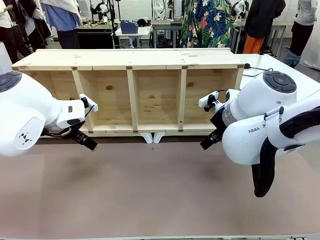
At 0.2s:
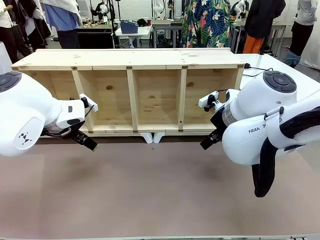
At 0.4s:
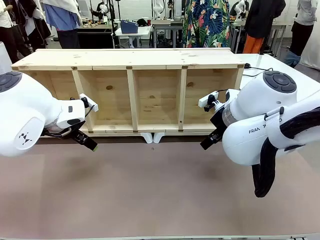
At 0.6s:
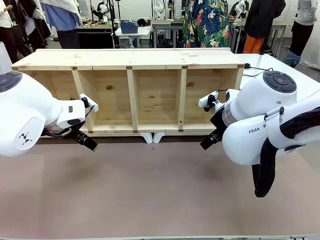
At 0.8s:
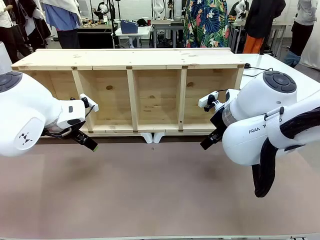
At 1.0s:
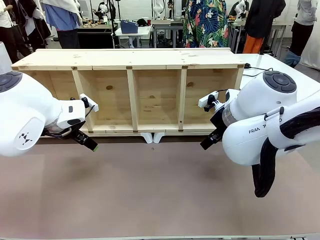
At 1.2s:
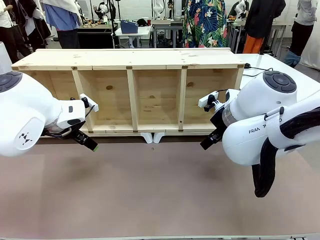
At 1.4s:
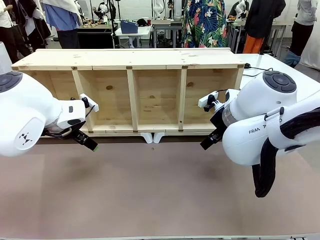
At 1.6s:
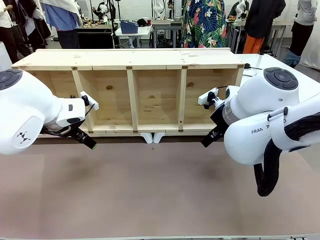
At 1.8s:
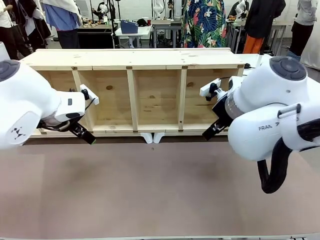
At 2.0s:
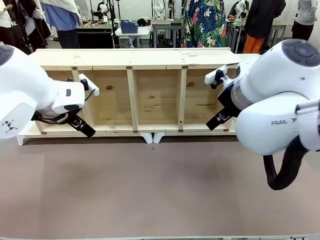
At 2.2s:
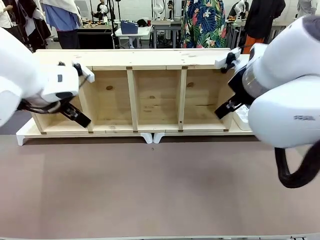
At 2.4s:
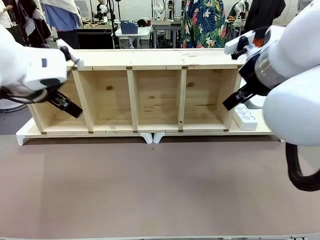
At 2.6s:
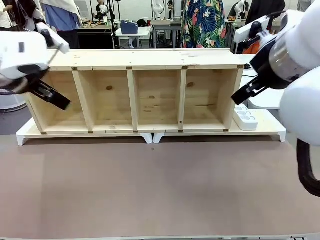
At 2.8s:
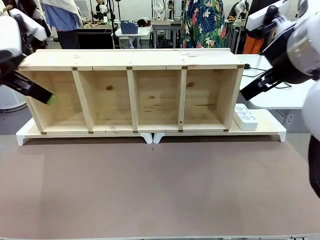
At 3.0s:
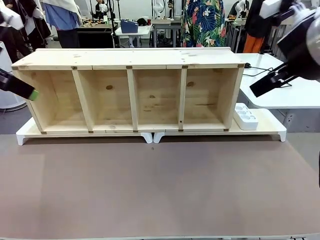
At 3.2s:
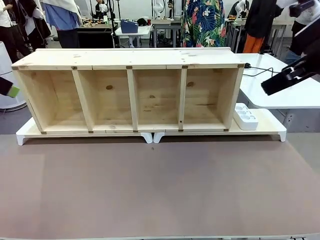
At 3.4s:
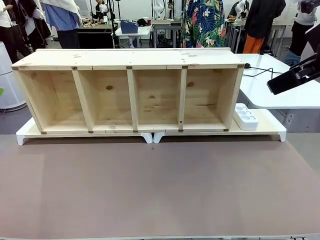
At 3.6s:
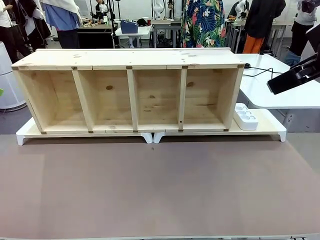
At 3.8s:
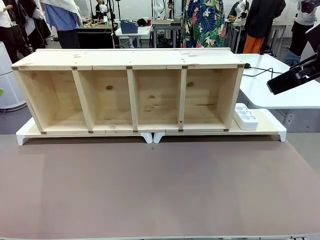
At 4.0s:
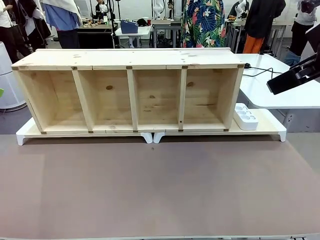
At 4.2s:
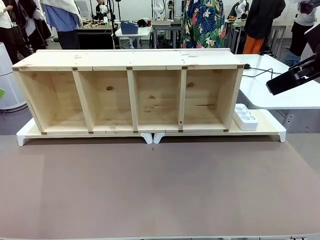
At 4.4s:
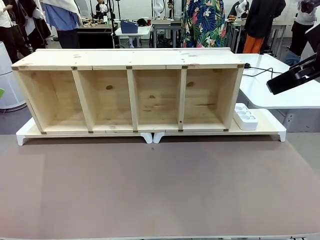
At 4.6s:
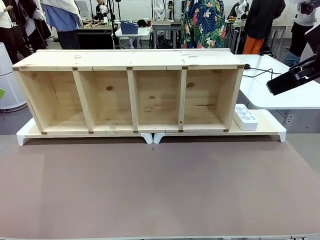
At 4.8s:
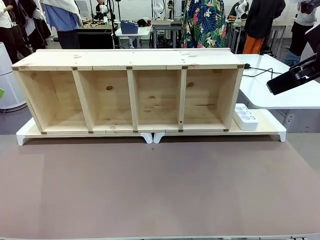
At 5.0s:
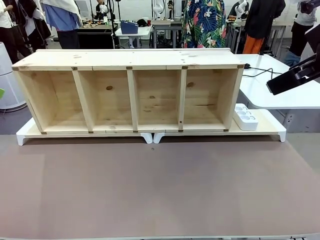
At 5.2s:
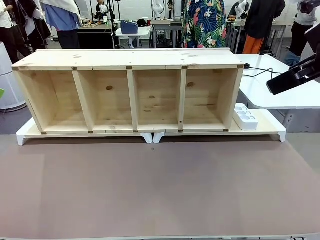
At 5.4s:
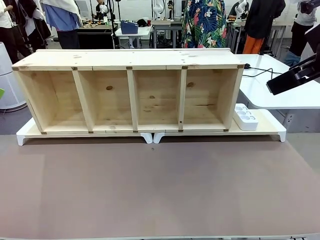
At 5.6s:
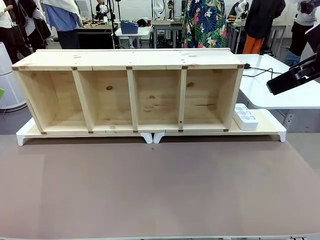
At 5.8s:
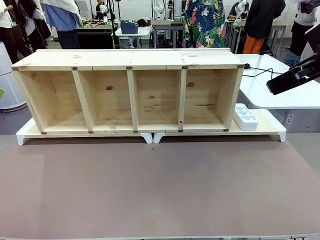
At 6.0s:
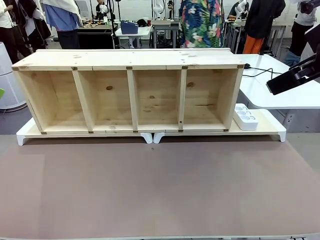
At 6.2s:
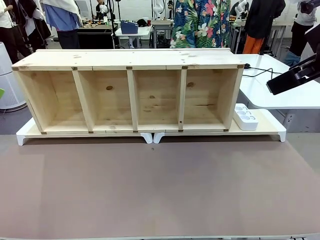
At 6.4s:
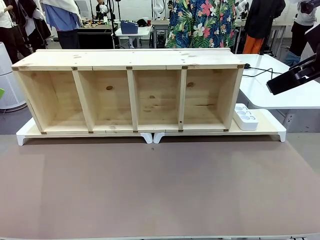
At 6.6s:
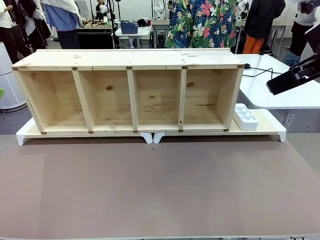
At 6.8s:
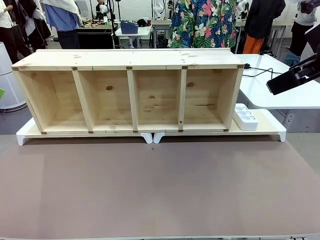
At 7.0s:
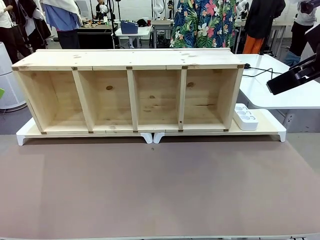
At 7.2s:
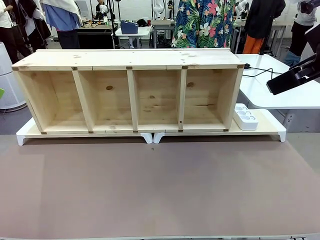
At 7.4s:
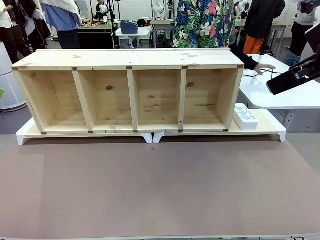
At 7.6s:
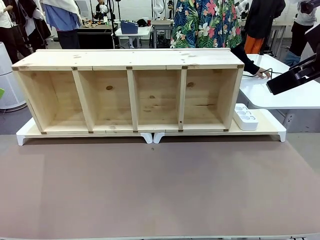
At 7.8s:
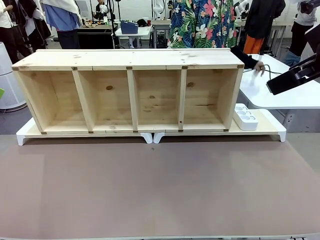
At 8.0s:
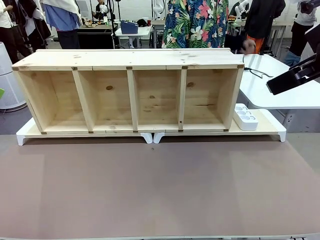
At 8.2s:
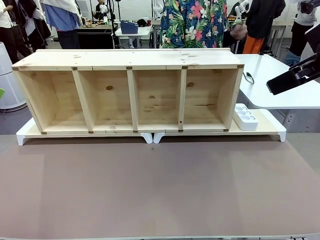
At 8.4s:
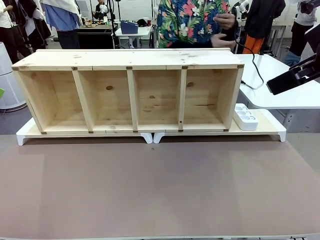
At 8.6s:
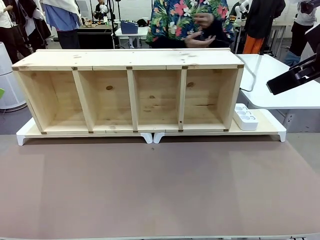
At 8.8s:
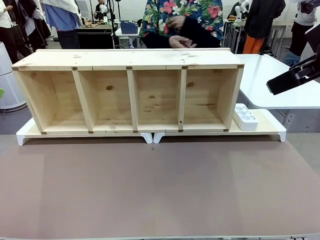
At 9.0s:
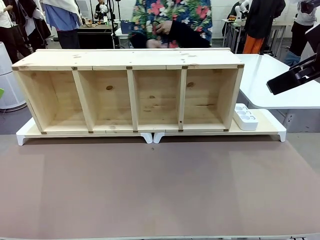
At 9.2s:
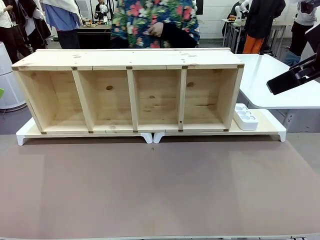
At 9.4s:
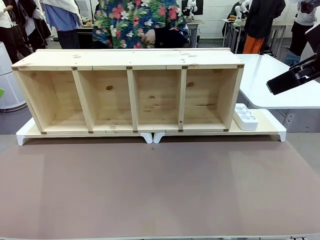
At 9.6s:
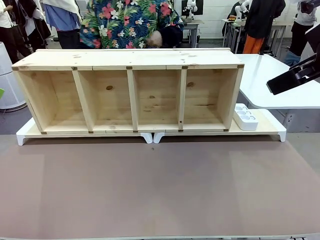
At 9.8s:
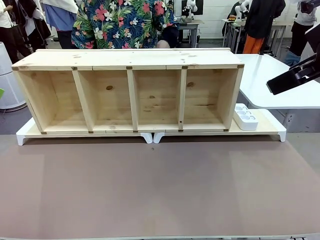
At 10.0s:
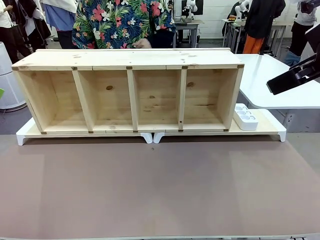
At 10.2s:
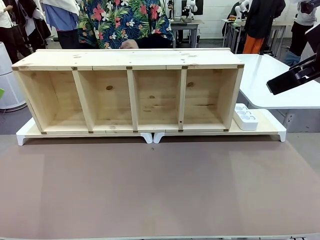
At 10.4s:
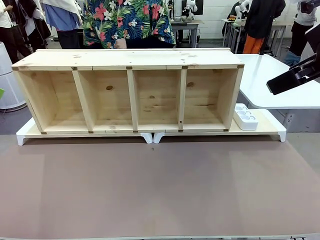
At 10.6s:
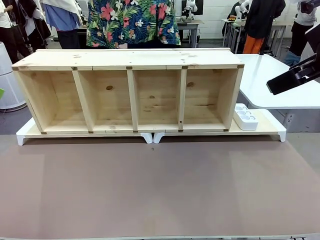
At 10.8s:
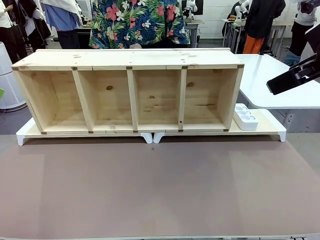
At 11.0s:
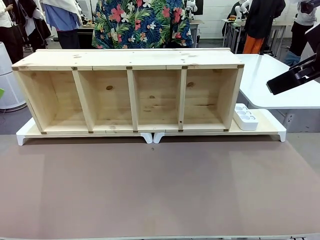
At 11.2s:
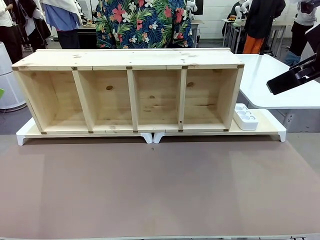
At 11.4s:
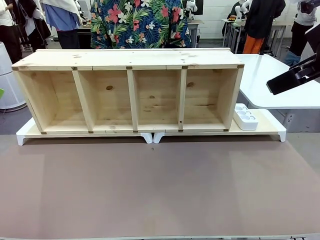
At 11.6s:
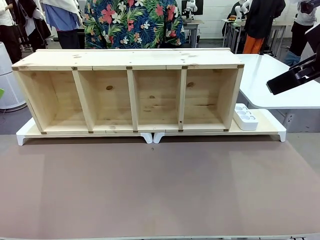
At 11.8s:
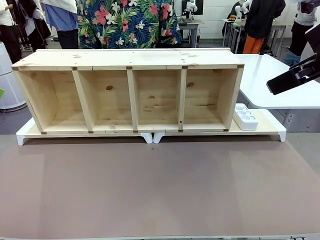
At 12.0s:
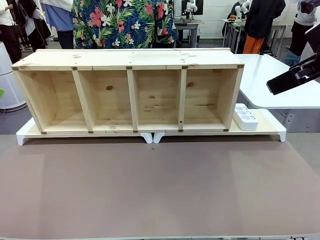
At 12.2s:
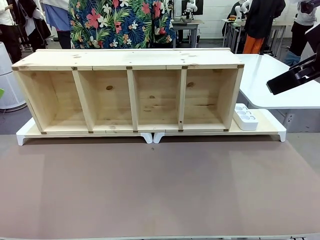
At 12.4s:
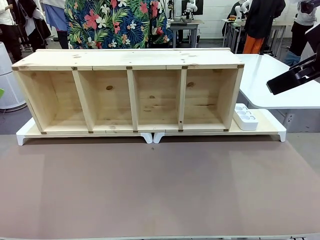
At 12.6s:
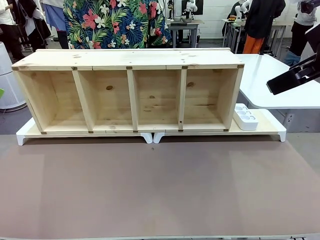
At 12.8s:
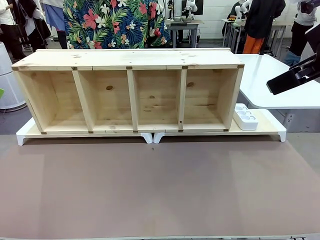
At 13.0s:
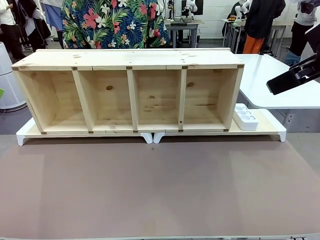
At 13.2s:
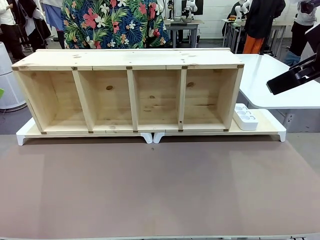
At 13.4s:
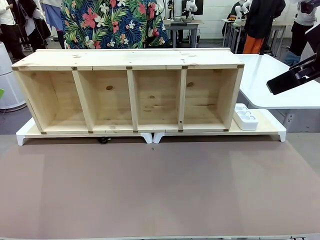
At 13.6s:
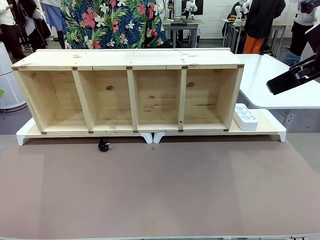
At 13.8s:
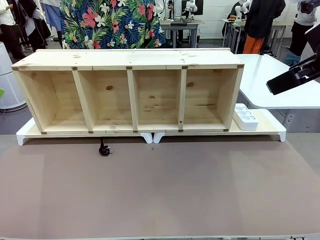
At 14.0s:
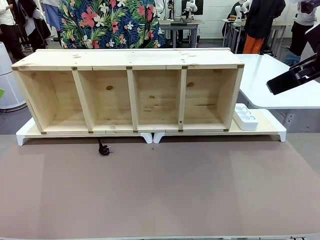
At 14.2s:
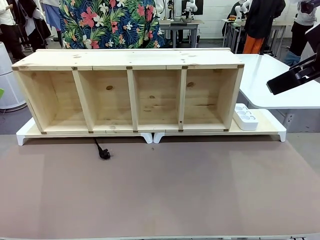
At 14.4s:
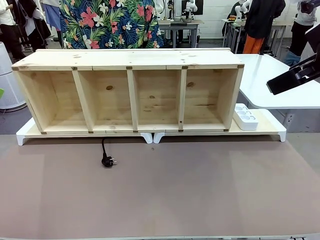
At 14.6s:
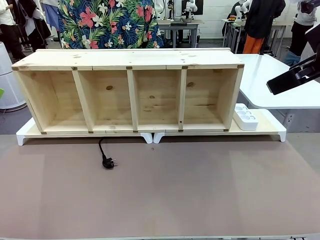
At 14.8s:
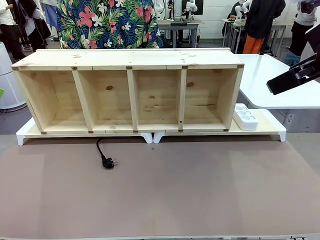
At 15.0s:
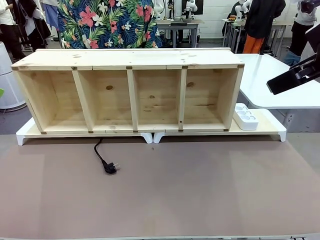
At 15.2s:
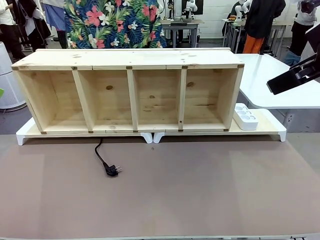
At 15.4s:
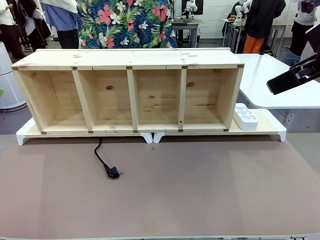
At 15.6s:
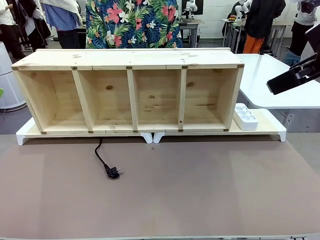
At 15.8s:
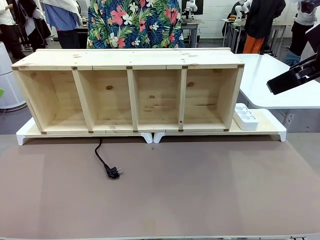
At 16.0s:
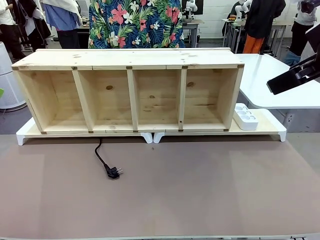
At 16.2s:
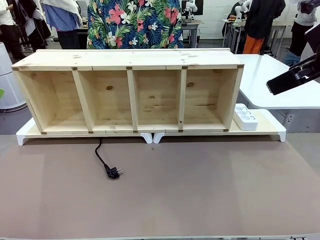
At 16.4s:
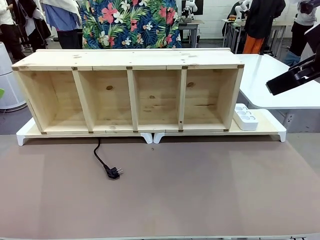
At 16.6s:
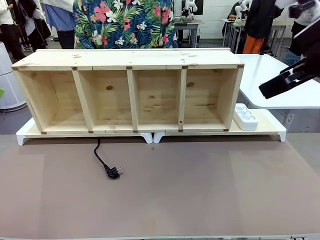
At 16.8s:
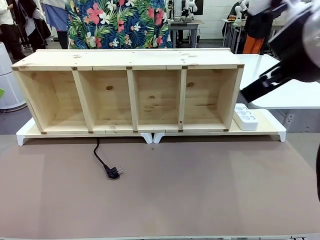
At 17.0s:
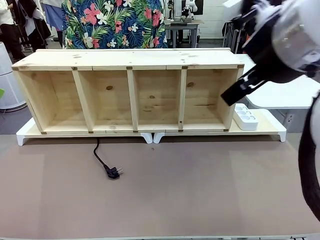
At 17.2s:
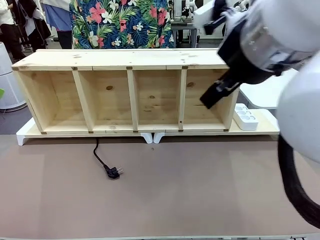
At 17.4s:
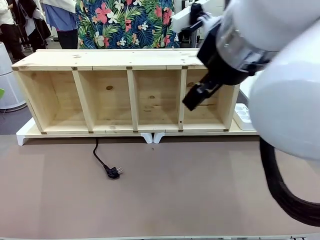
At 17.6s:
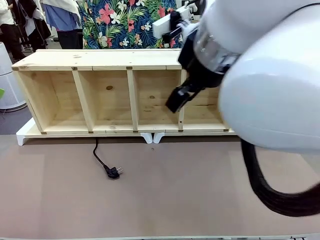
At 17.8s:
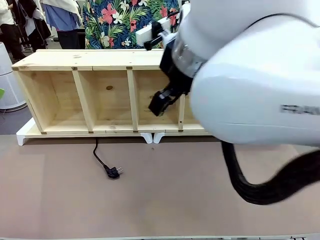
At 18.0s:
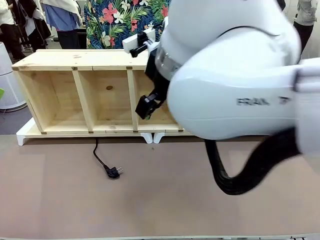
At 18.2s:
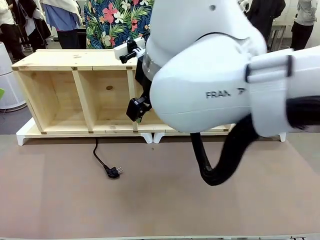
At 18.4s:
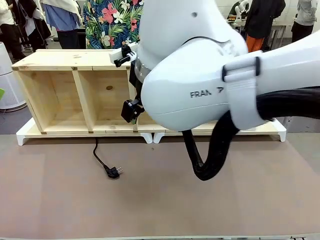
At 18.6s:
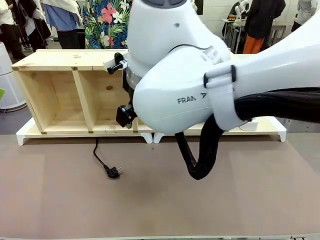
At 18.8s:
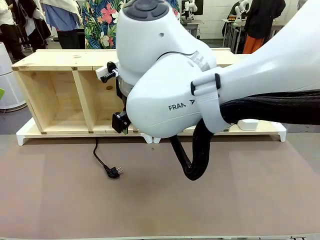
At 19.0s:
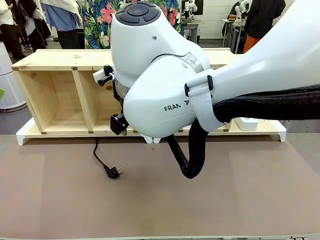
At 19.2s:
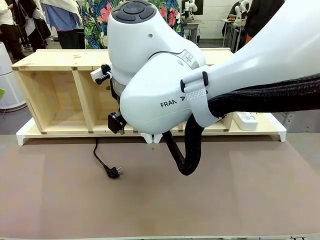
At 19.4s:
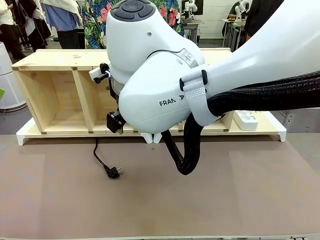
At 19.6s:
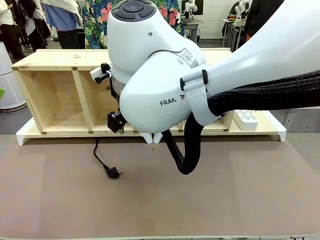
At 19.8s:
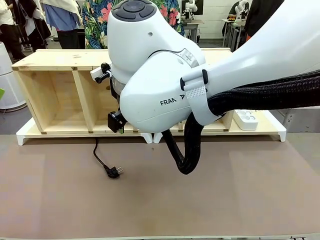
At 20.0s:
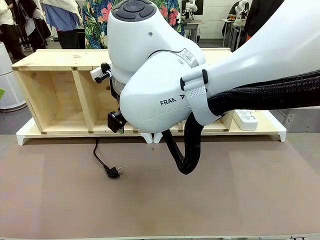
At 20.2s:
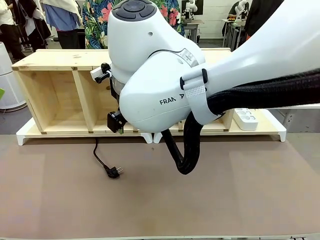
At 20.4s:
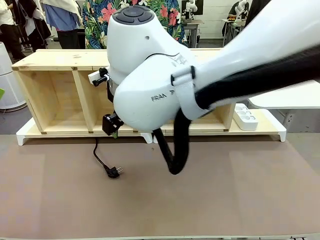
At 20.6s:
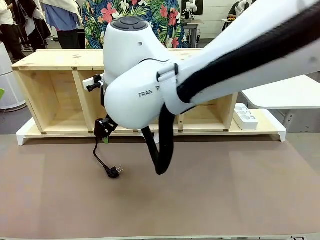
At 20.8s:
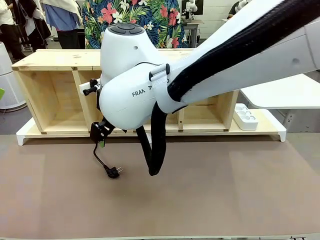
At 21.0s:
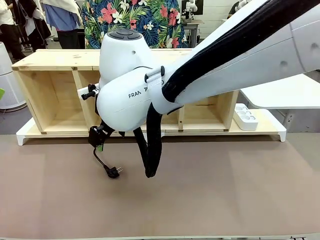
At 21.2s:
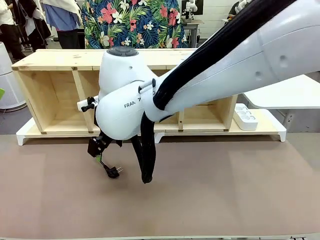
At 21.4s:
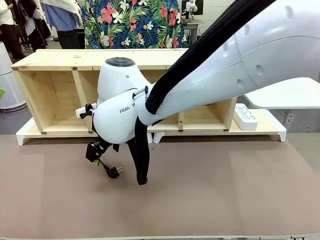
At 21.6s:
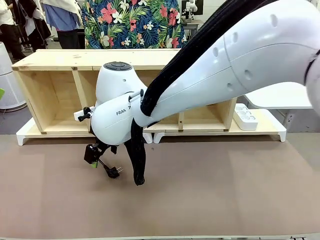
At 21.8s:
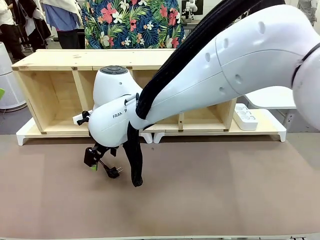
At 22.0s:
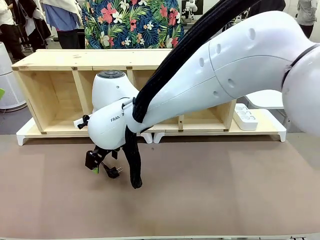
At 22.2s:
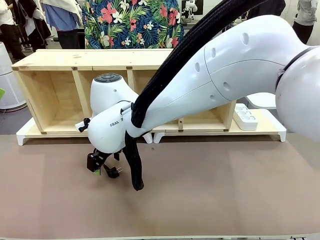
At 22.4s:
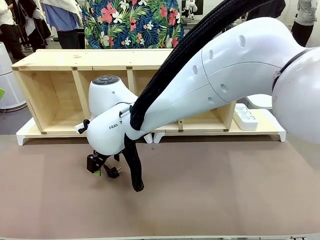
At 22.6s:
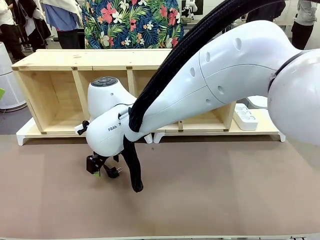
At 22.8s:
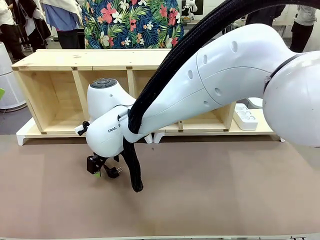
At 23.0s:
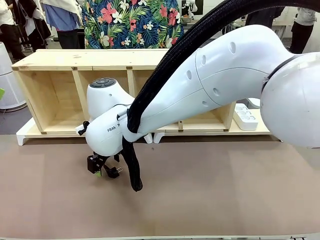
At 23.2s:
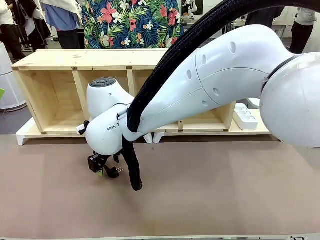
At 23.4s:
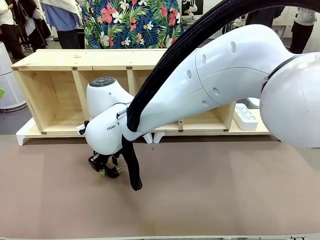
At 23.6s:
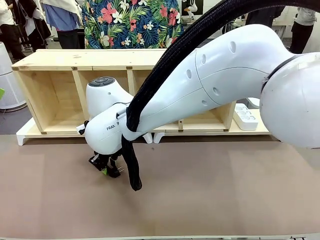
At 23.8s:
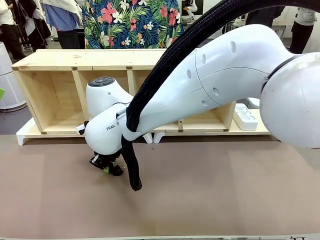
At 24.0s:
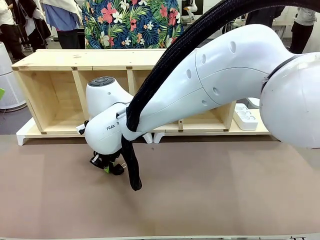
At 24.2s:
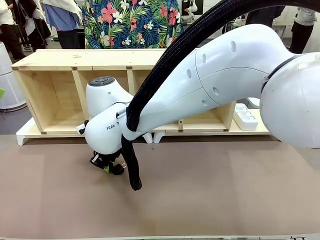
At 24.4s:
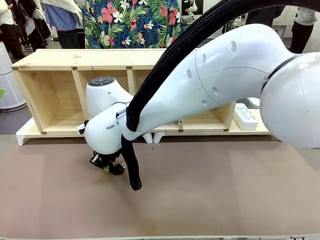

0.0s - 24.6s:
Task: Perform cable management.
Robot: When the cord part of the Power Cable appears at the lower middle area of the table and stops, grasp the cord part of the Power Cable.
Person: Pass the Power Cable under the Serving Table.
